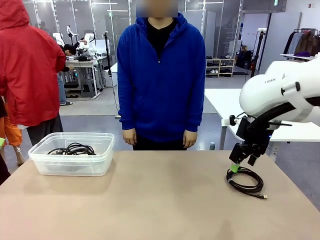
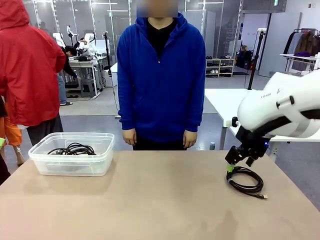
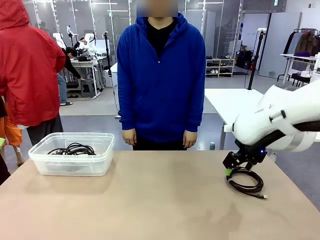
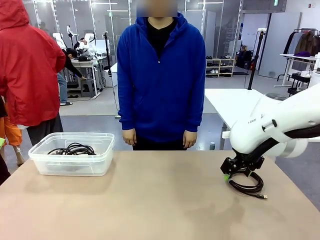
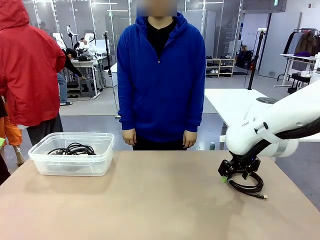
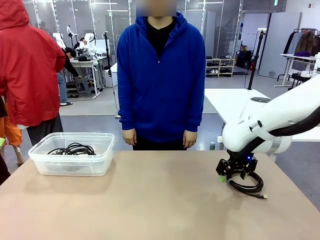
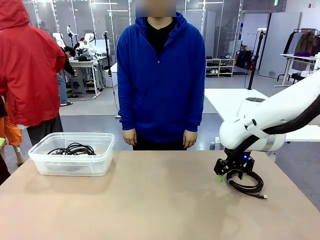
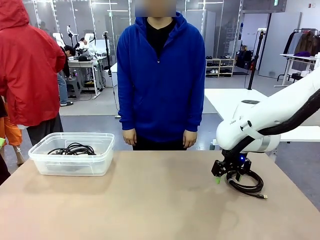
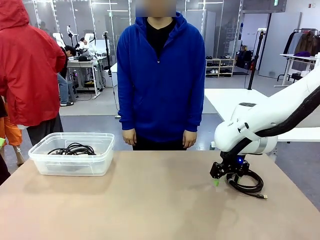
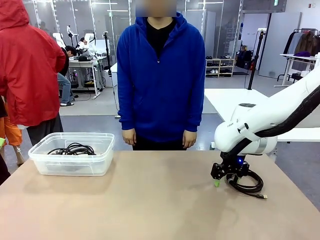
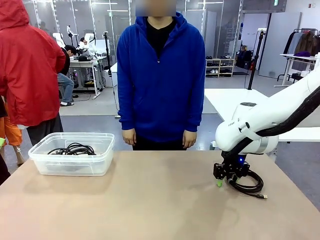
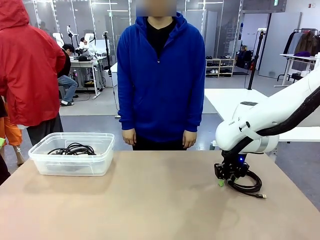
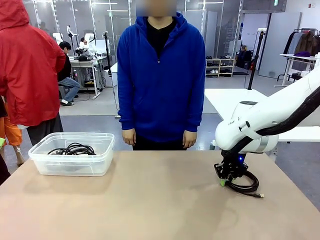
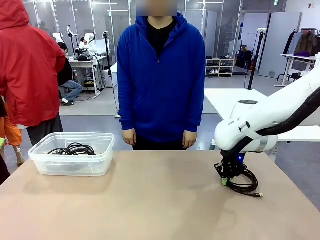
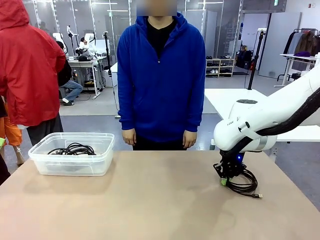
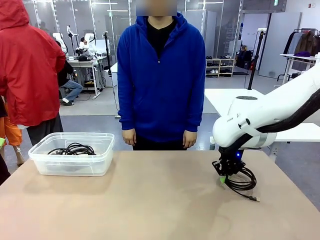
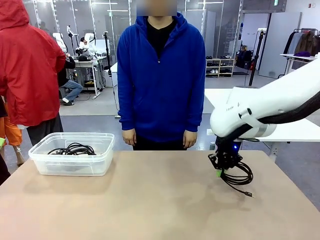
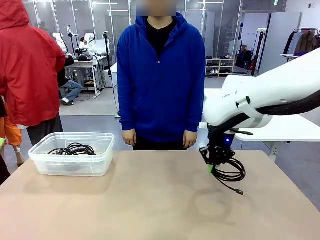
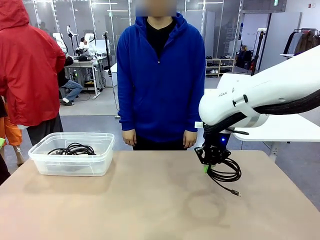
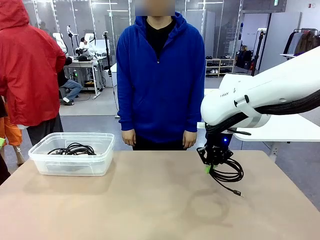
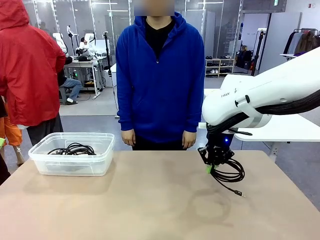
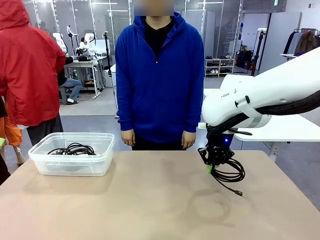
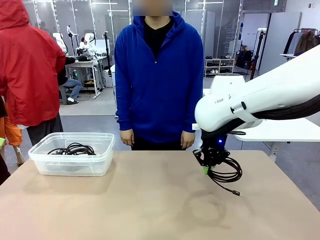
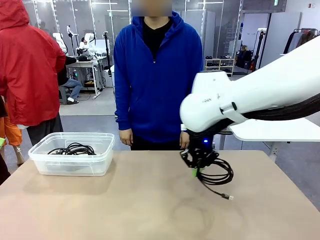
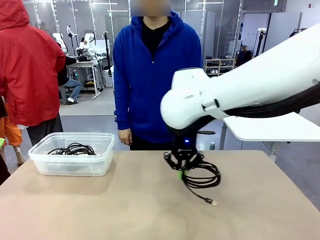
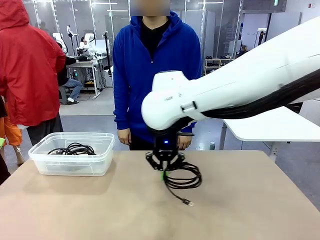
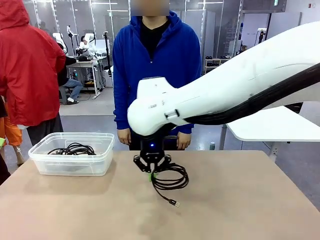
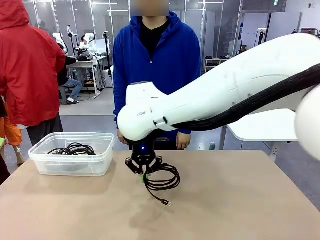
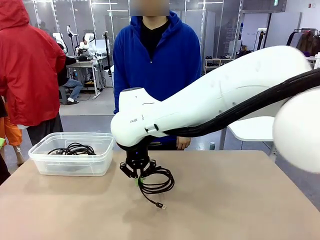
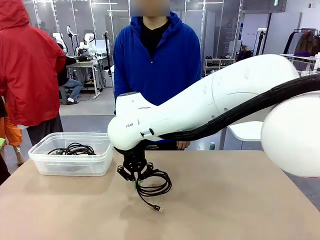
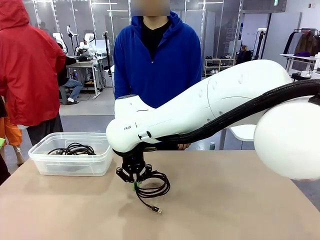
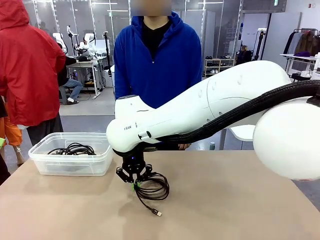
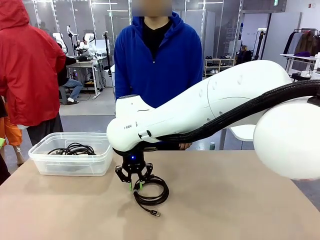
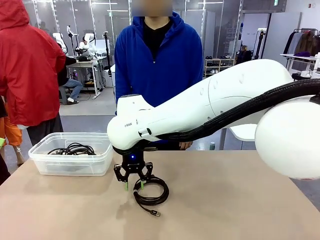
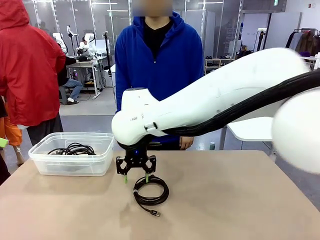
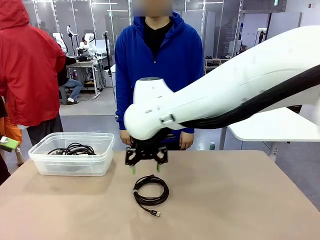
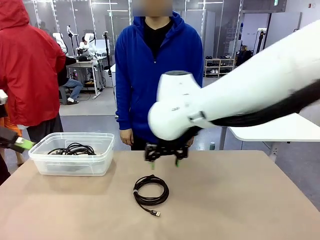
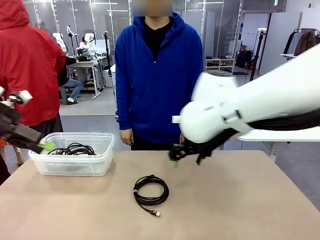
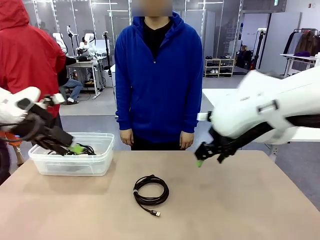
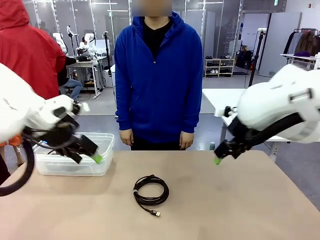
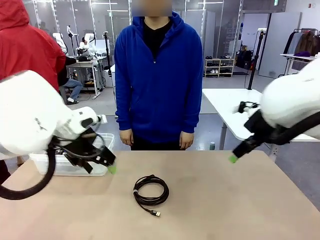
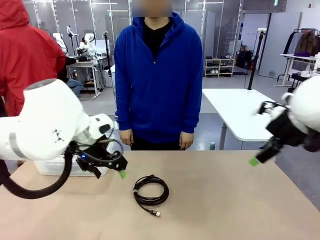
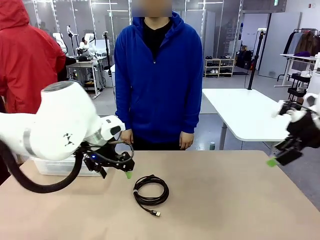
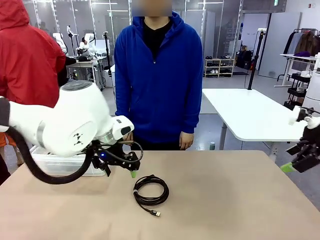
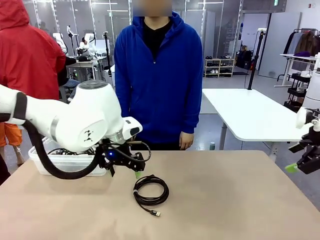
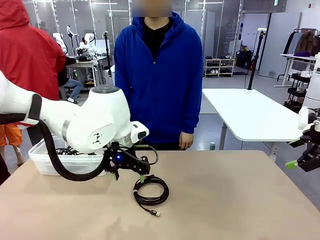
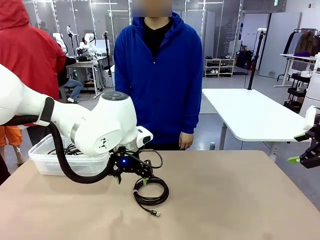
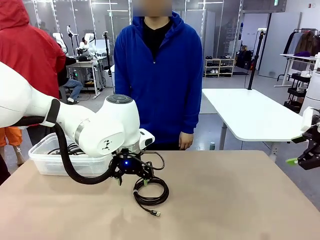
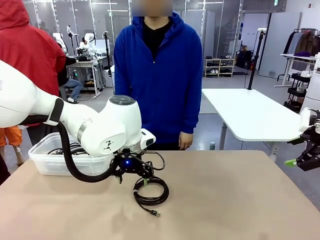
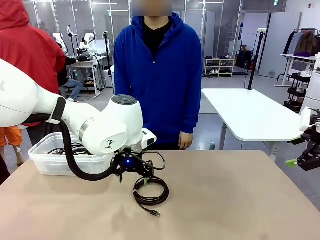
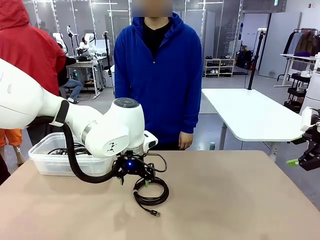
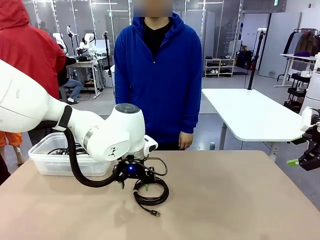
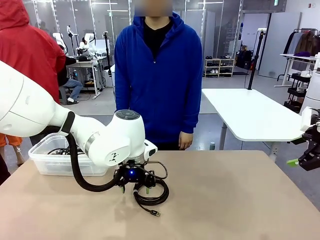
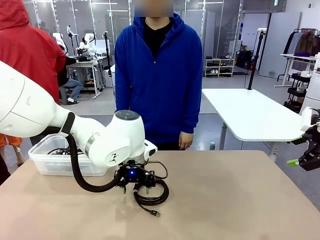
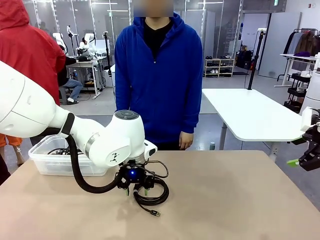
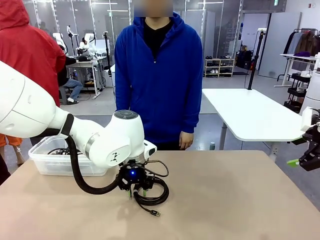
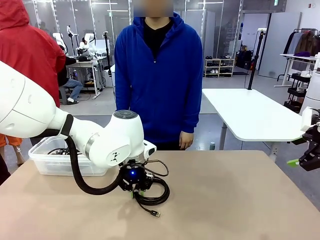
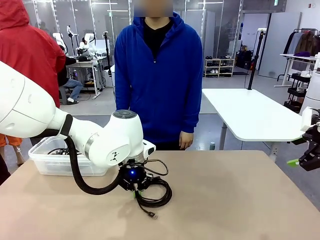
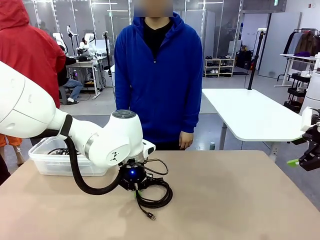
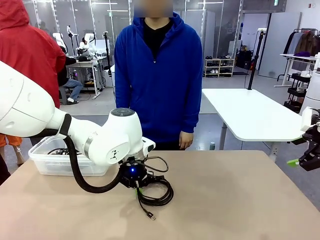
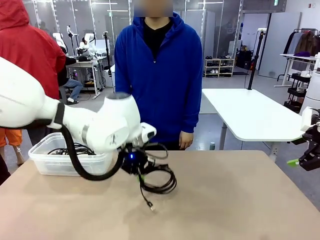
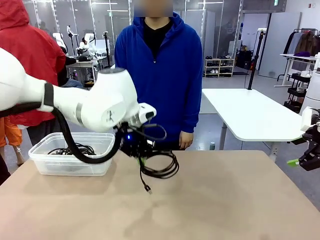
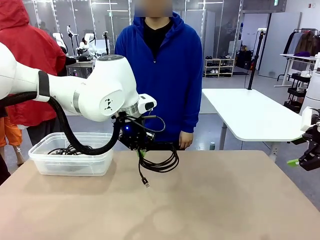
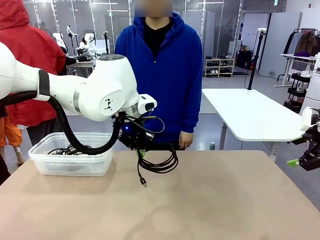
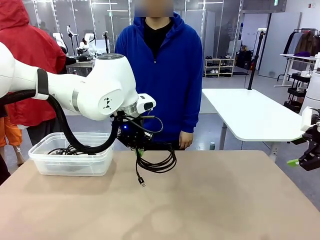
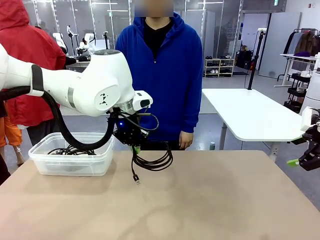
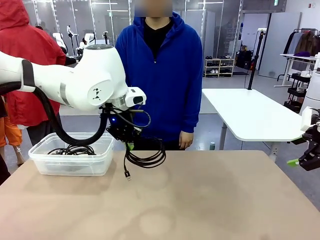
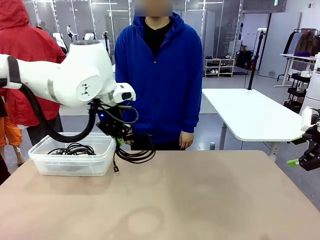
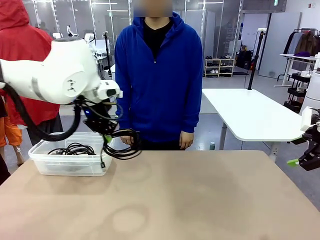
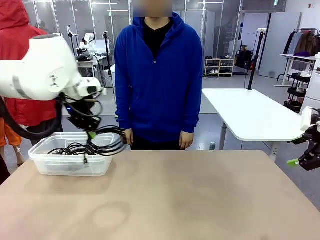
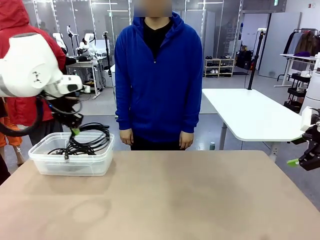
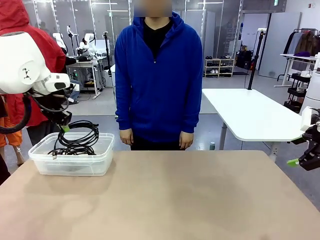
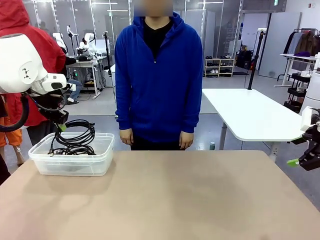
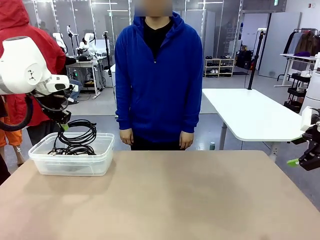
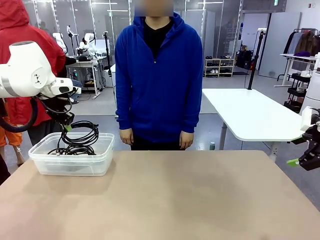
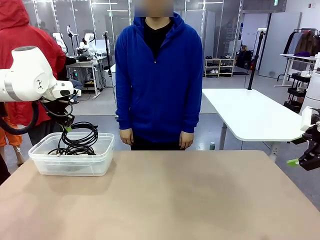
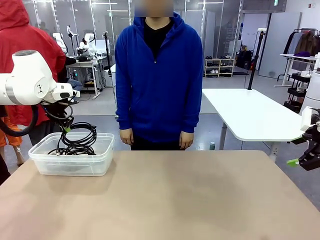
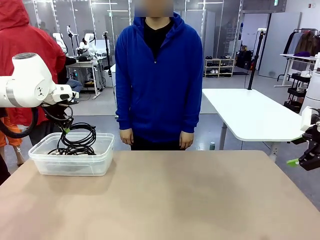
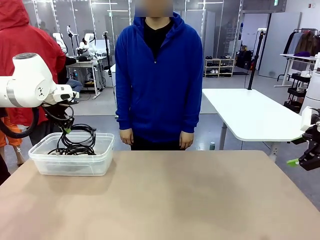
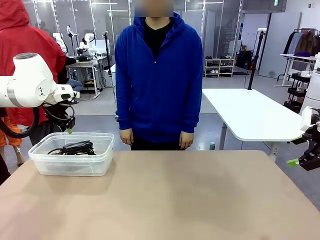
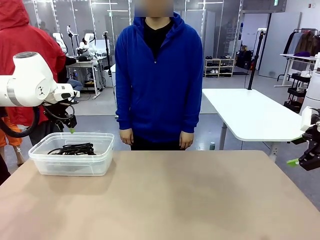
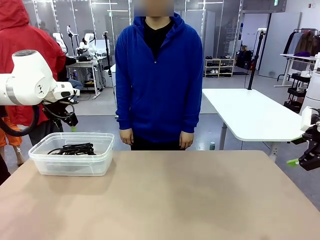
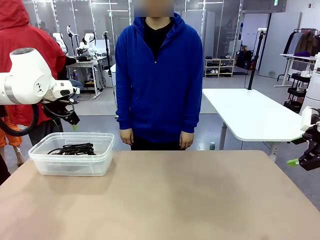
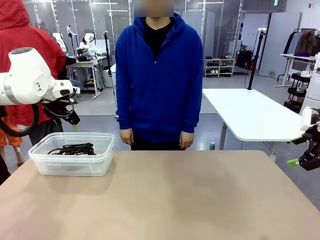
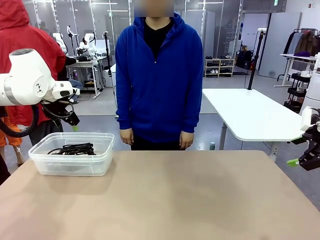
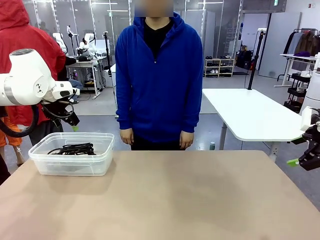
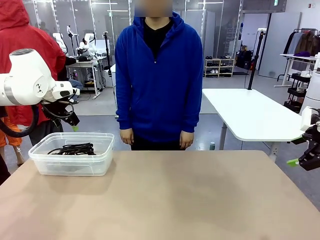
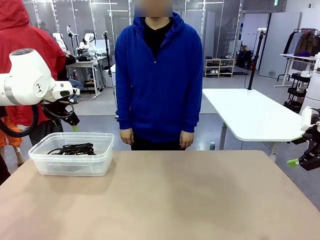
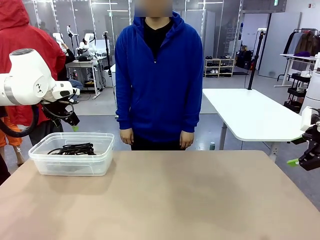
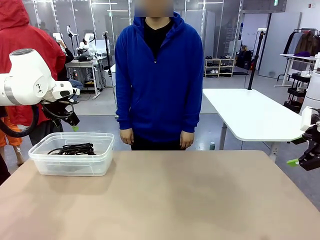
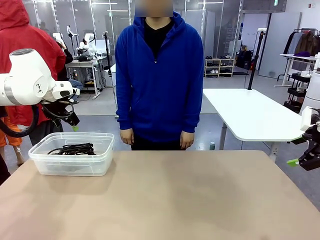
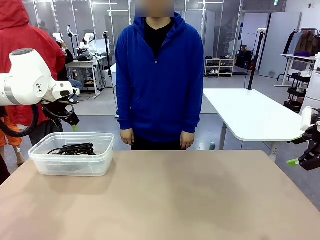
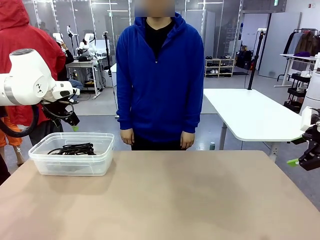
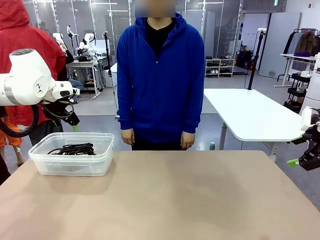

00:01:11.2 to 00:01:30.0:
Task: Organize and store the cables.
Robot: Place the USB Extension Cable into the Organizing box.
